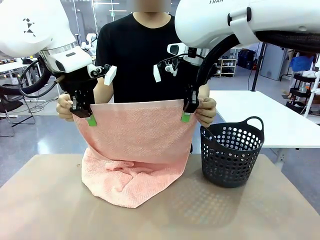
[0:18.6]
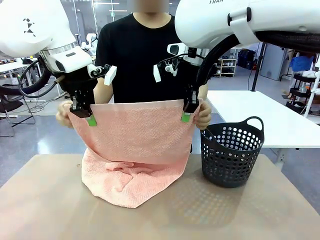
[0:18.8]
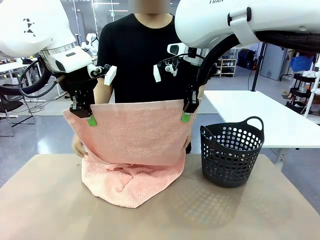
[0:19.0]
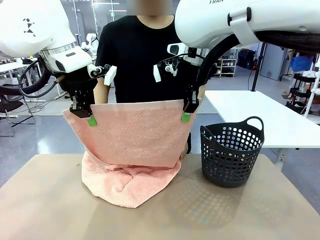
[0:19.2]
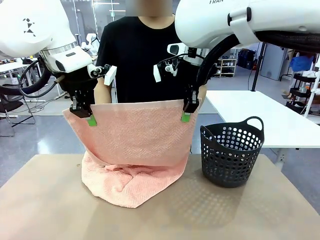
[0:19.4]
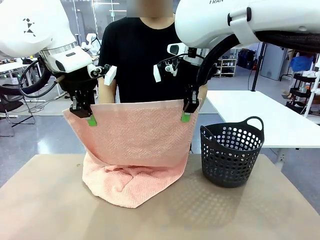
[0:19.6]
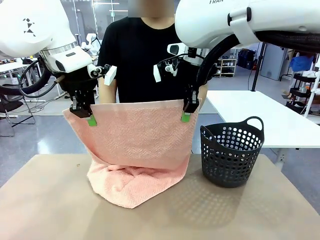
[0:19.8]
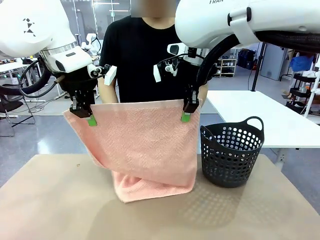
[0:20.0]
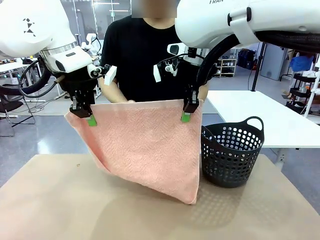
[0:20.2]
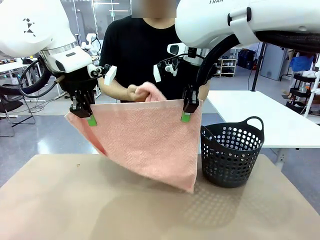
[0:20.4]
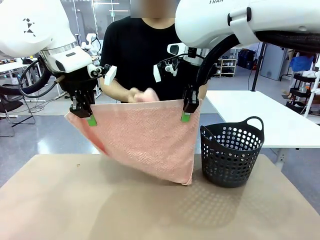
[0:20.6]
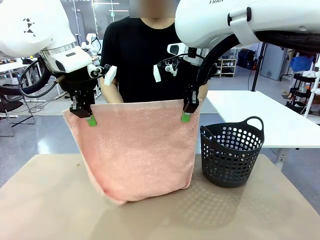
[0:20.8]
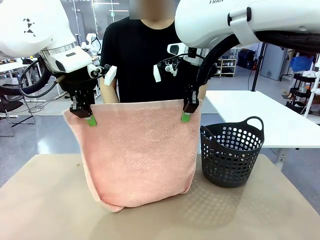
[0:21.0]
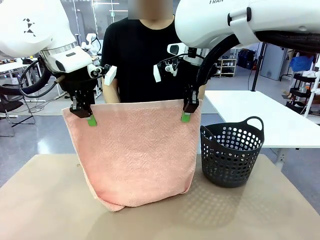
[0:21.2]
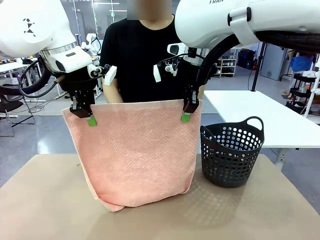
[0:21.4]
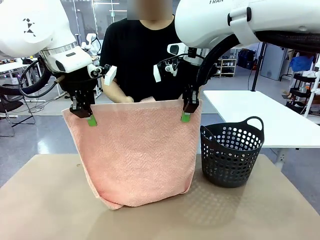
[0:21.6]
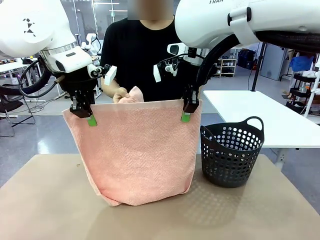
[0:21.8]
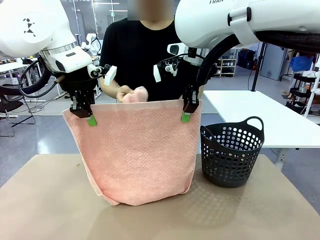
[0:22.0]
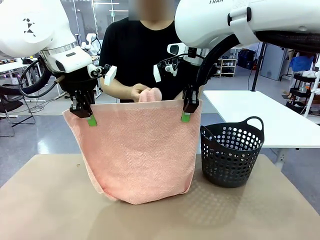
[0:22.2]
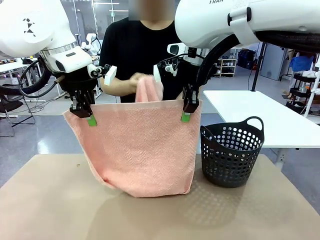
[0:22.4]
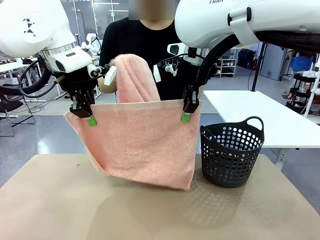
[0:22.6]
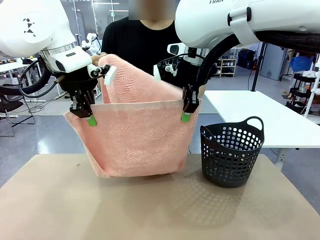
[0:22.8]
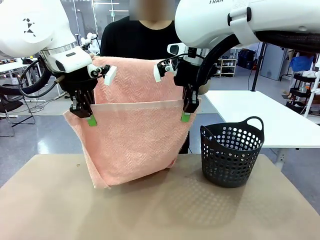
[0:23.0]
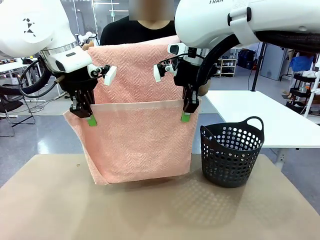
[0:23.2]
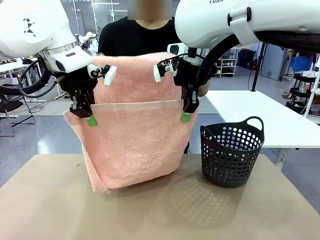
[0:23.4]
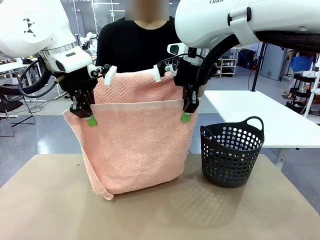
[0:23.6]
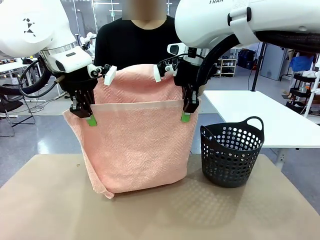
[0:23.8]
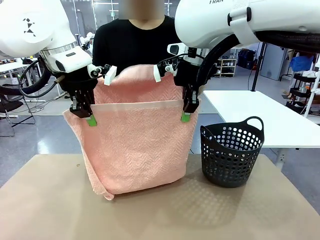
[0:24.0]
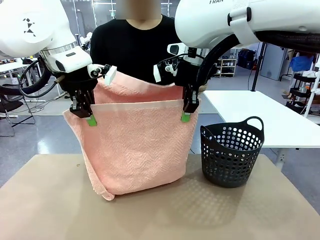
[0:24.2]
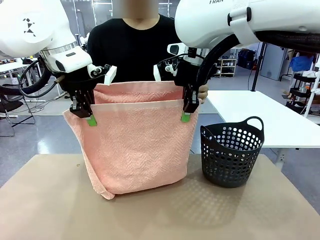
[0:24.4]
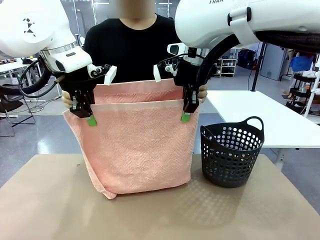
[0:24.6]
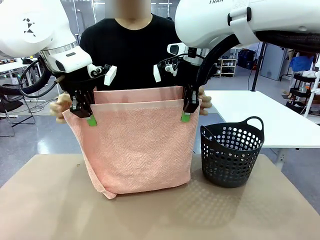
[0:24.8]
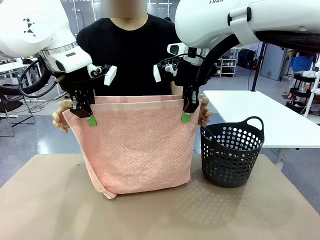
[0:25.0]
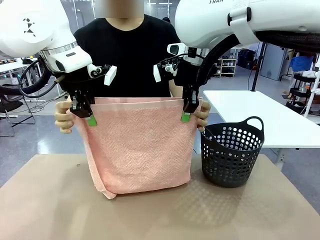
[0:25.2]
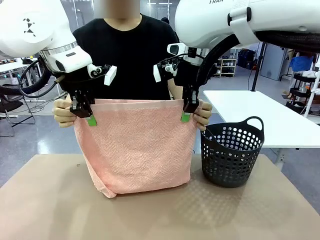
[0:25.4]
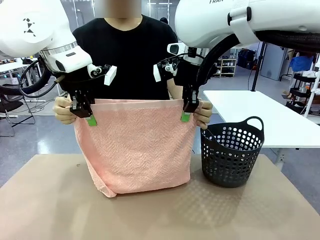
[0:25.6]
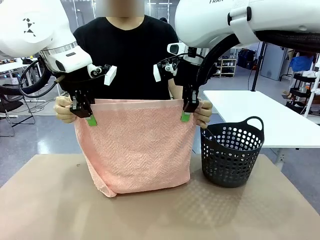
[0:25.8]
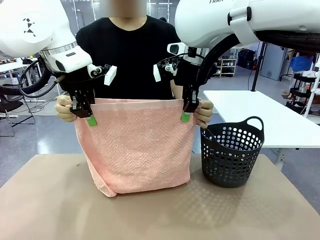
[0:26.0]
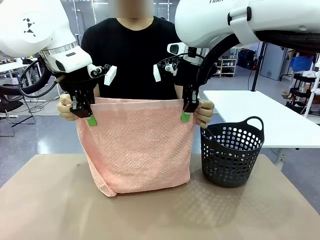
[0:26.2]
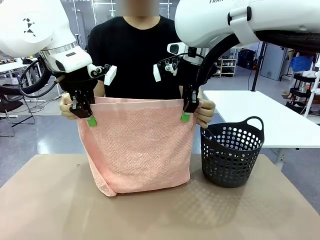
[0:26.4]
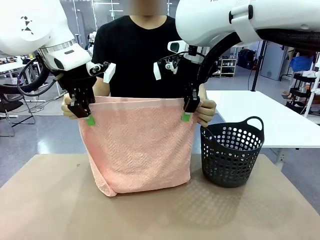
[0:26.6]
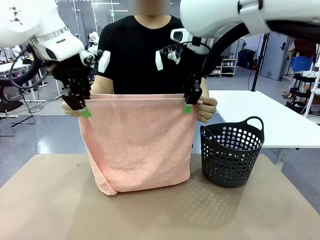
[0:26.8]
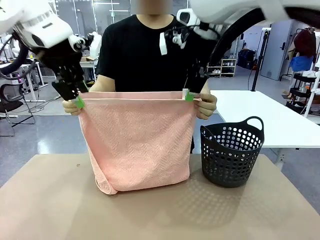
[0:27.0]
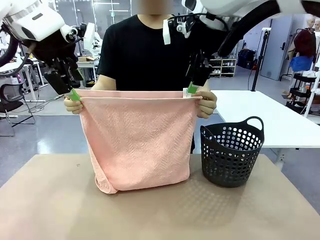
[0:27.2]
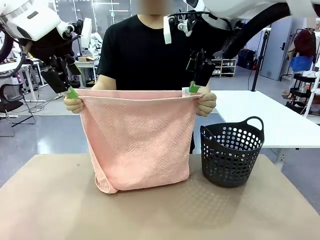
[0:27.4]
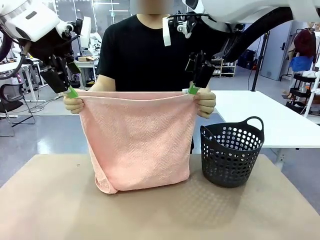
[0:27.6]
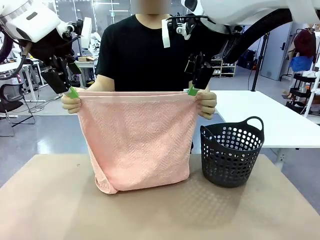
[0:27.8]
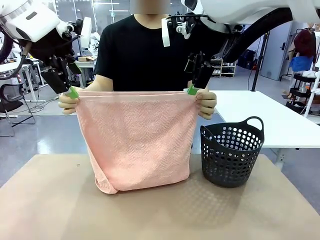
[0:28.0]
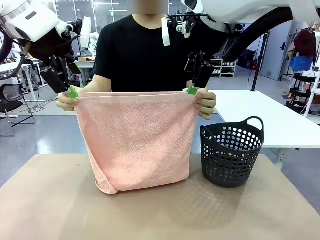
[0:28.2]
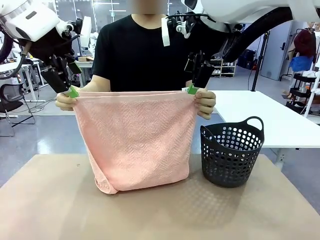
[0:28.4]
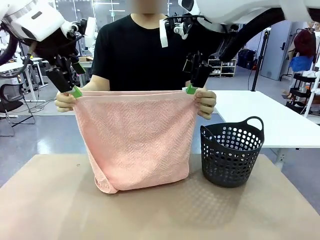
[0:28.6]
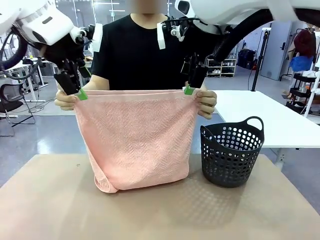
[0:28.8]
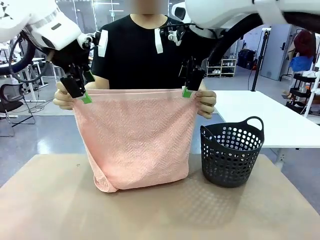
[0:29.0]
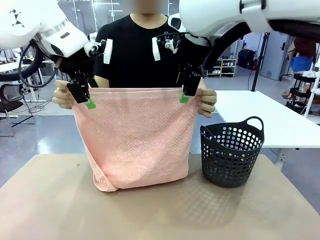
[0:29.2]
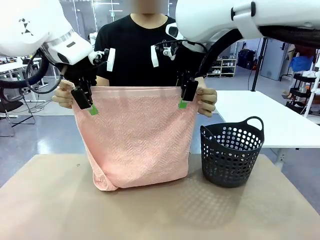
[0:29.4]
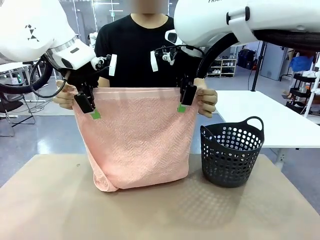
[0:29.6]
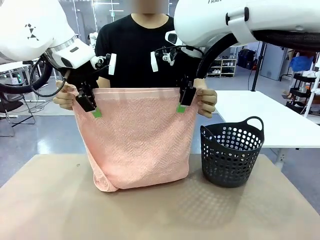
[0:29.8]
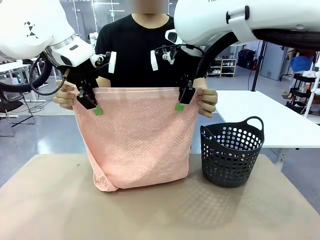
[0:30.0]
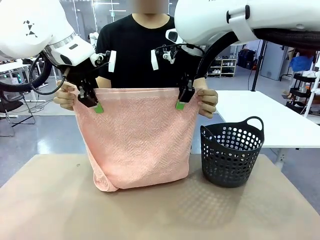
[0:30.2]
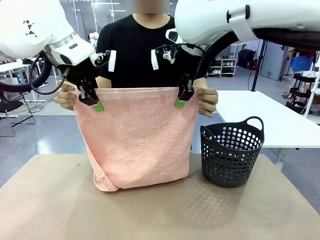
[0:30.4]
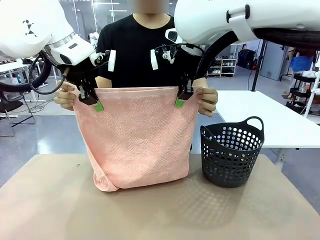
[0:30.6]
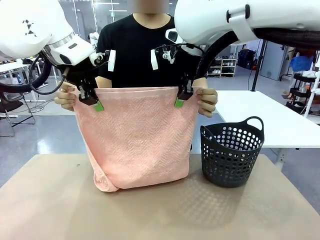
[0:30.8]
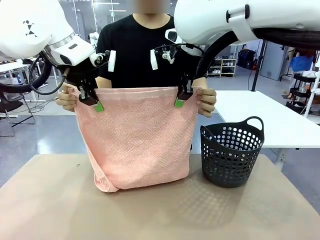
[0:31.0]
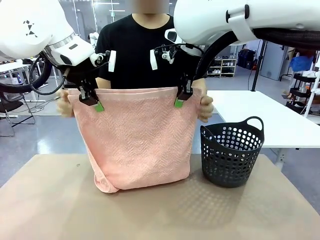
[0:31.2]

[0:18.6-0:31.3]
Task: Fold the towel.
Robot: Release the end of the 100 cm Hotel Towel you were holding and grab the top end of the folded side.
Person: Using the point held by the robot as a reference, grasp the opposite end, fold the towel in half, and then hold both ends of the folded towel.

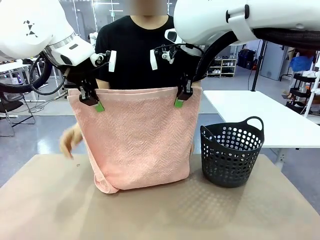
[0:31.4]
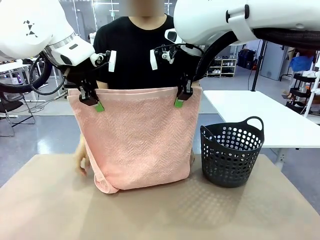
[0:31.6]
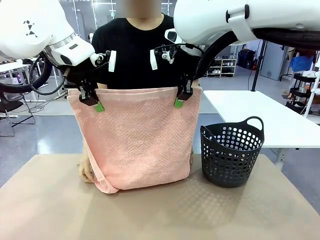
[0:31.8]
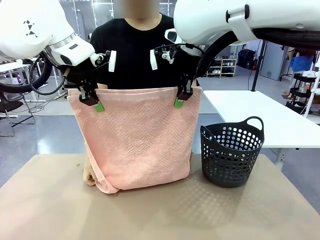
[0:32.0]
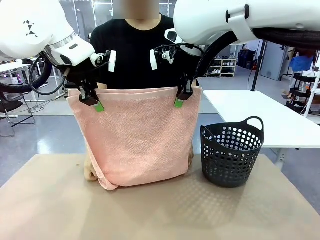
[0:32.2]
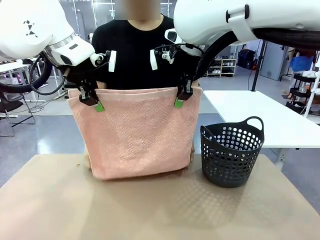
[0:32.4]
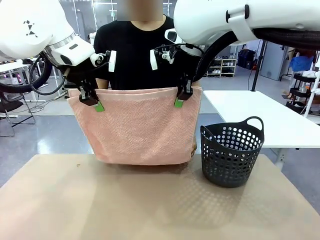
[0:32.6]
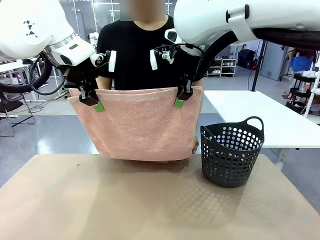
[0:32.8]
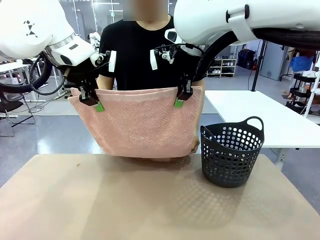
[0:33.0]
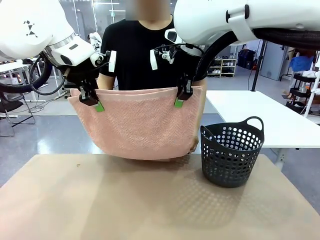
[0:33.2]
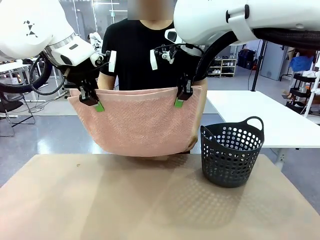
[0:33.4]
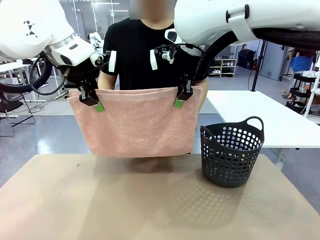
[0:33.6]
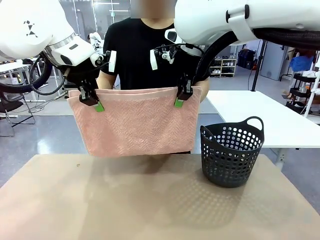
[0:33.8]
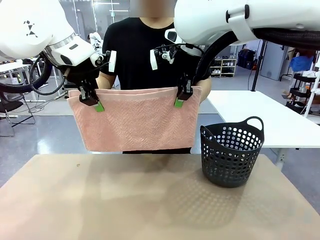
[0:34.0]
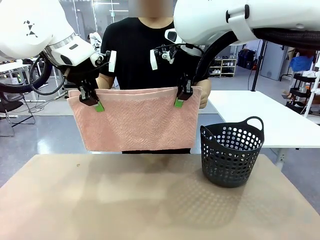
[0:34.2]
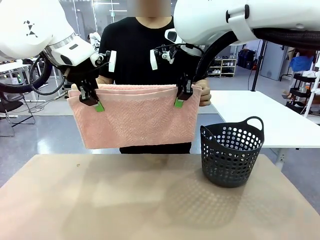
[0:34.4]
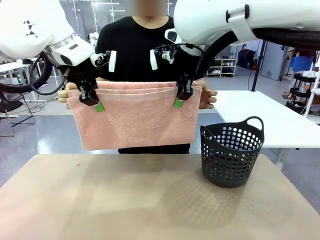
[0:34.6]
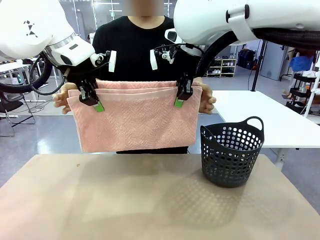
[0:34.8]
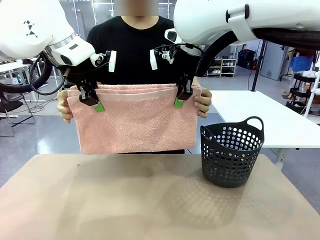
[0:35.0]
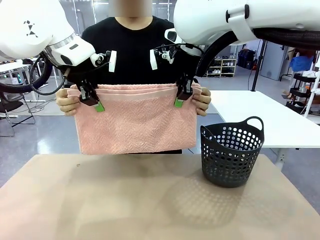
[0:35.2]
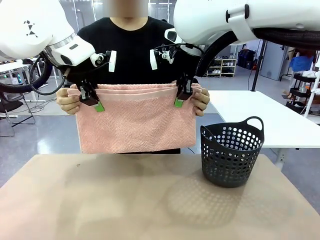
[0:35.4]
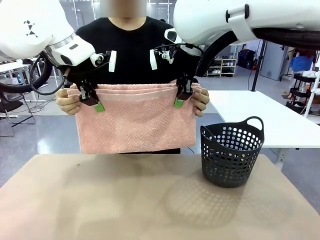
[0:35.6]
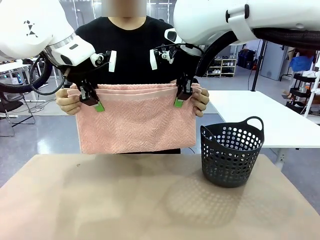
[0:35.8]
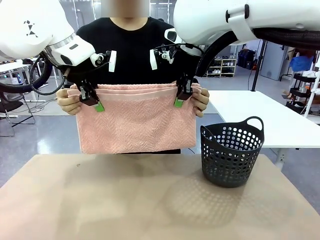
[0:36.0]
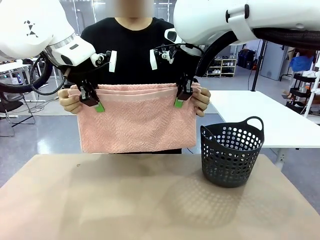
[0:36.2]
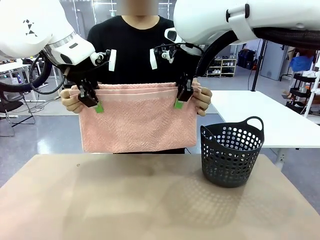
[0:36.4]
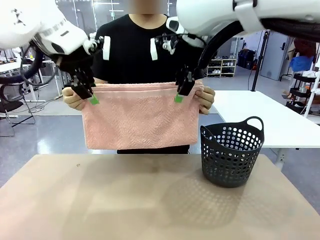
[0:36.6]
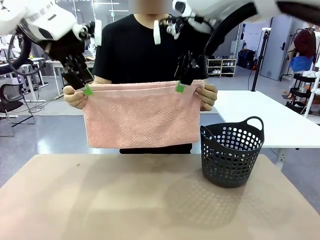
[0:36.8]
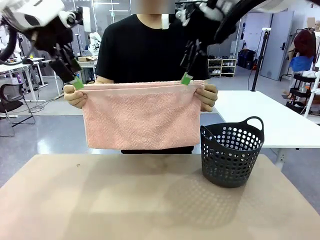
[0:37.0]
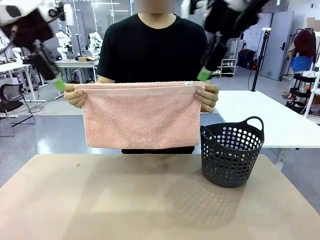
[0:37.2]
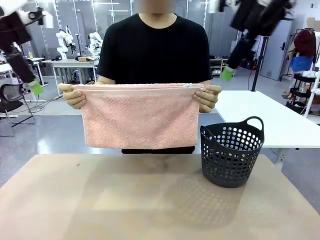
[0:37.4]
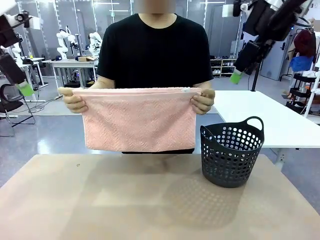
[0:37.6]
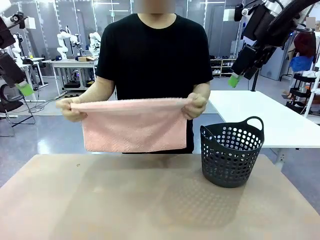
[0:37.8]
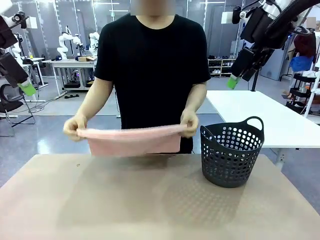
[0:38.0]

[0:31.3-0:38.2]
Robot: Release the end of the 100 cm Hotel Towel you were holding.
